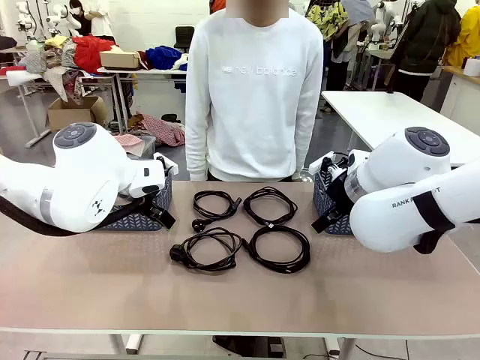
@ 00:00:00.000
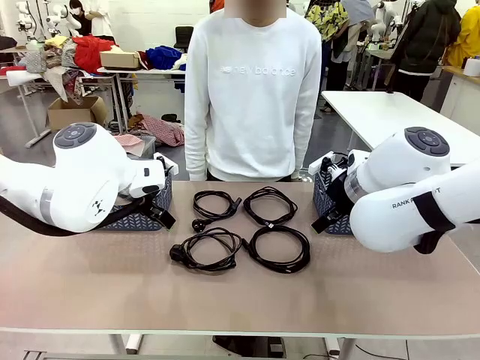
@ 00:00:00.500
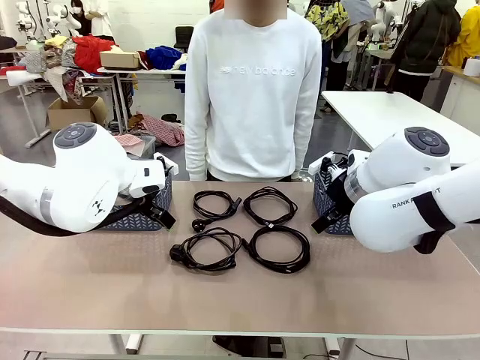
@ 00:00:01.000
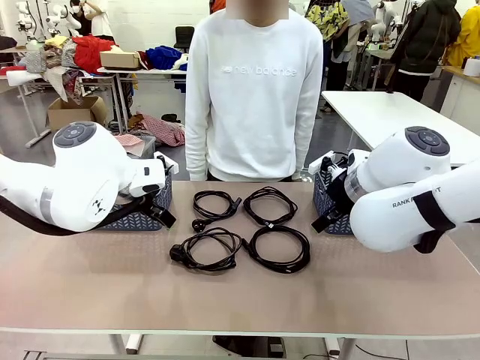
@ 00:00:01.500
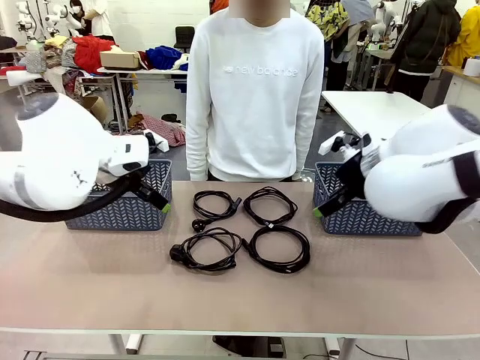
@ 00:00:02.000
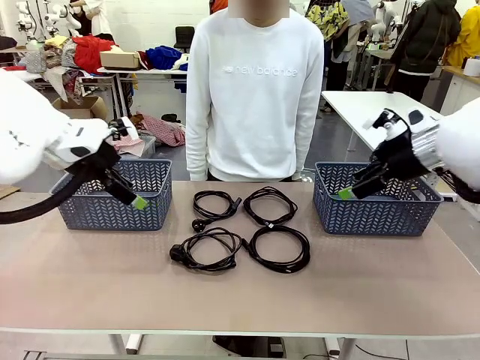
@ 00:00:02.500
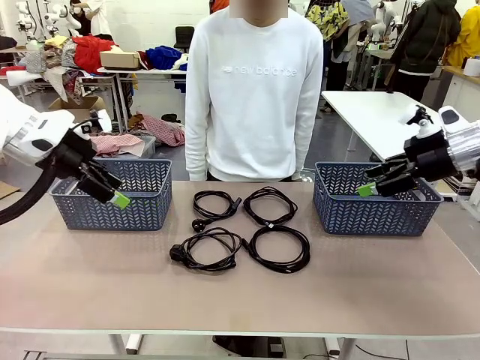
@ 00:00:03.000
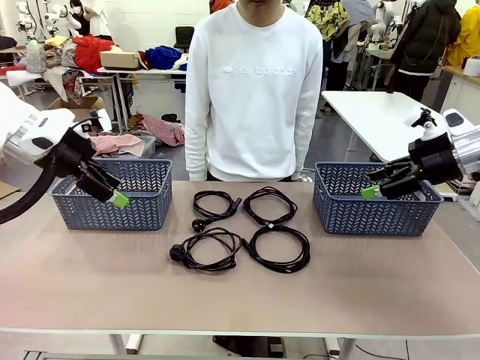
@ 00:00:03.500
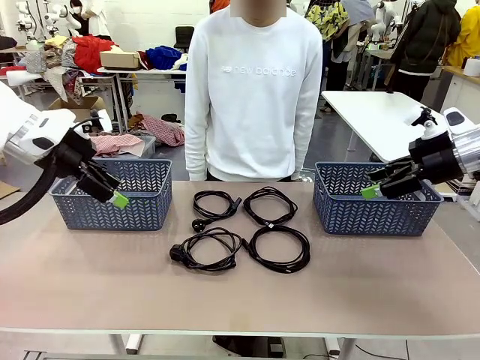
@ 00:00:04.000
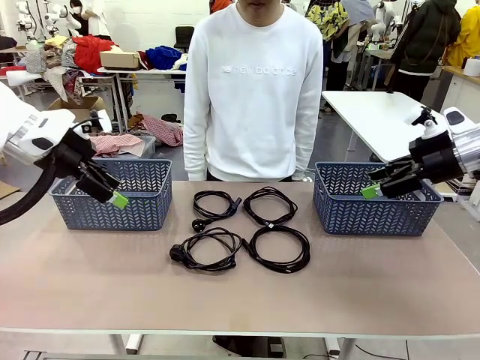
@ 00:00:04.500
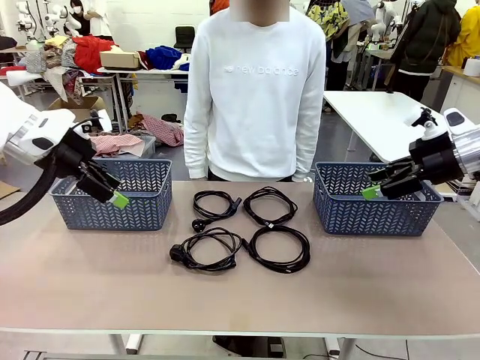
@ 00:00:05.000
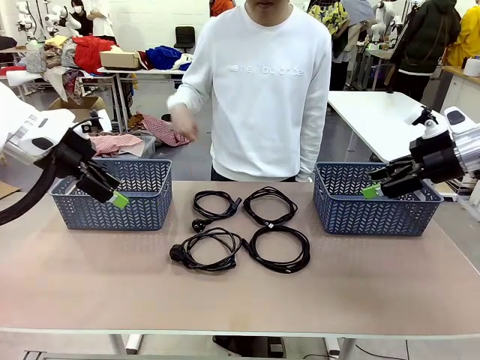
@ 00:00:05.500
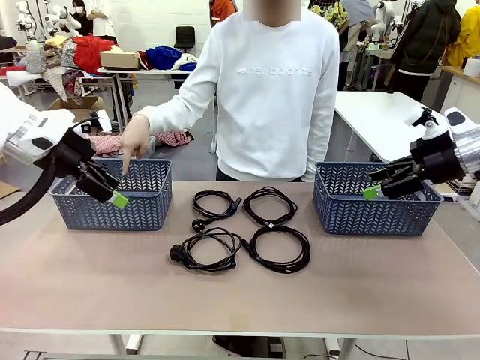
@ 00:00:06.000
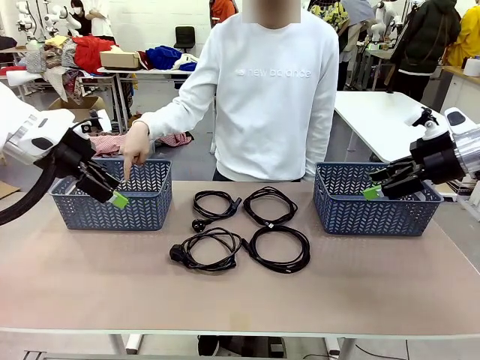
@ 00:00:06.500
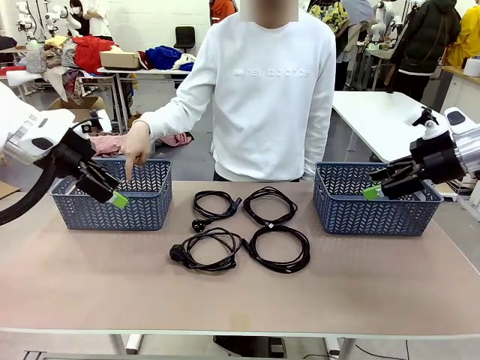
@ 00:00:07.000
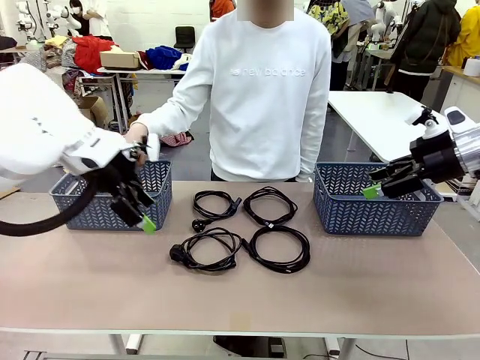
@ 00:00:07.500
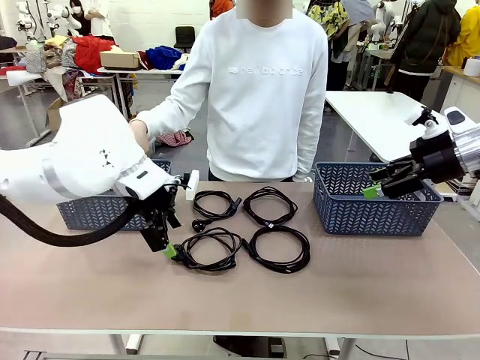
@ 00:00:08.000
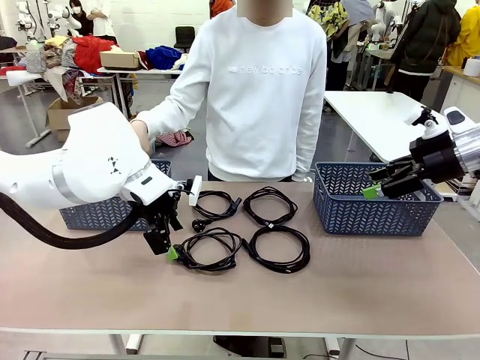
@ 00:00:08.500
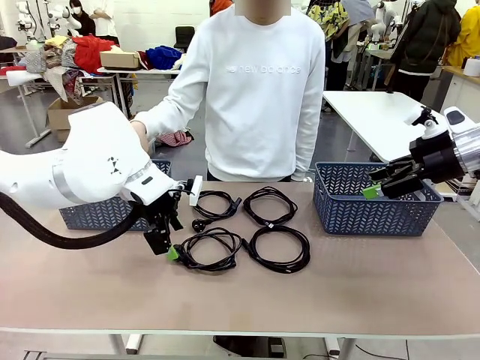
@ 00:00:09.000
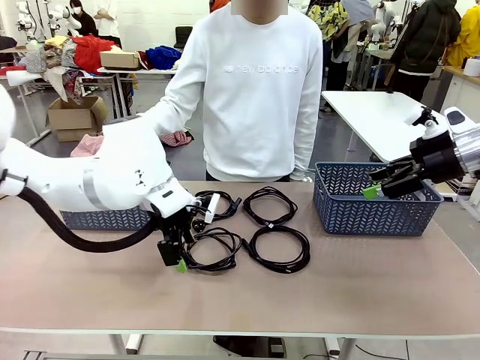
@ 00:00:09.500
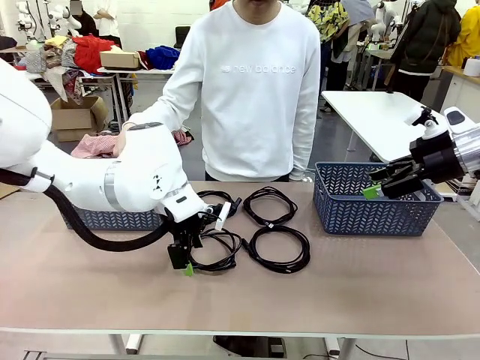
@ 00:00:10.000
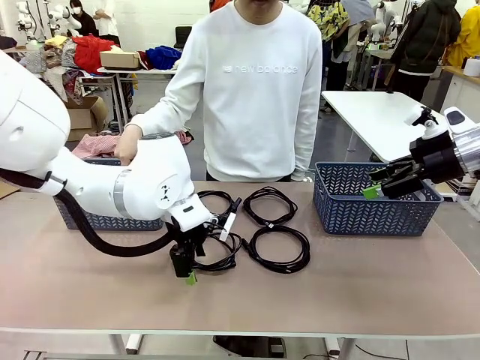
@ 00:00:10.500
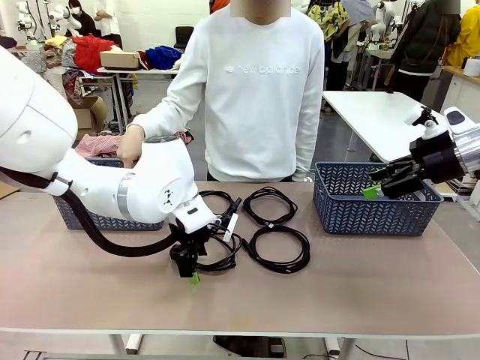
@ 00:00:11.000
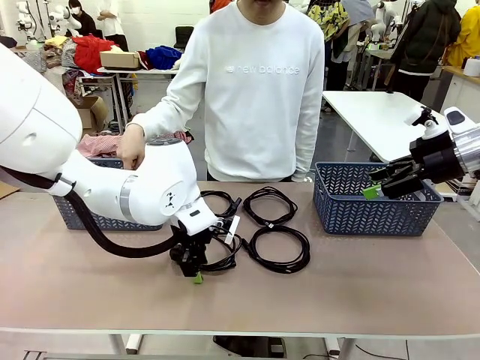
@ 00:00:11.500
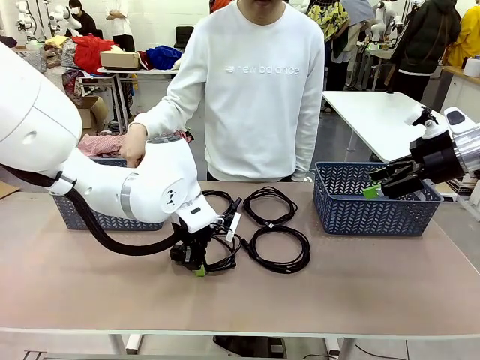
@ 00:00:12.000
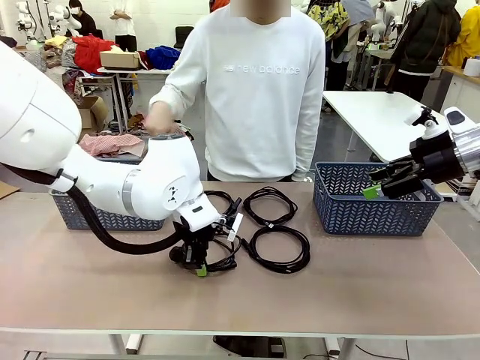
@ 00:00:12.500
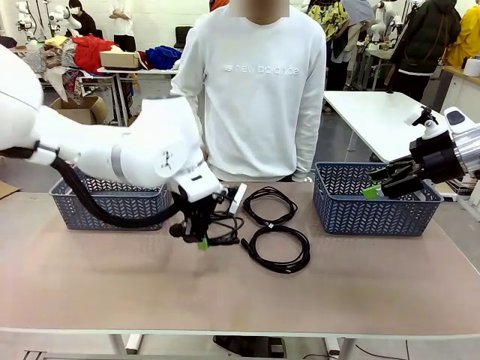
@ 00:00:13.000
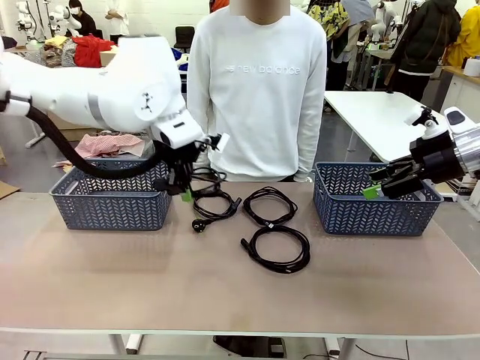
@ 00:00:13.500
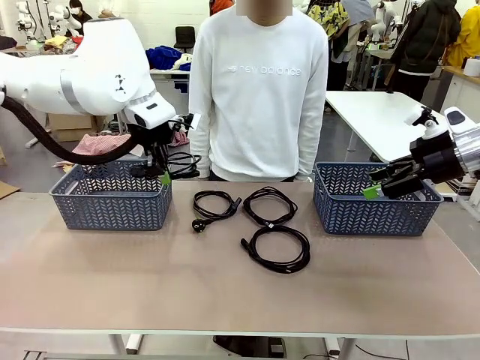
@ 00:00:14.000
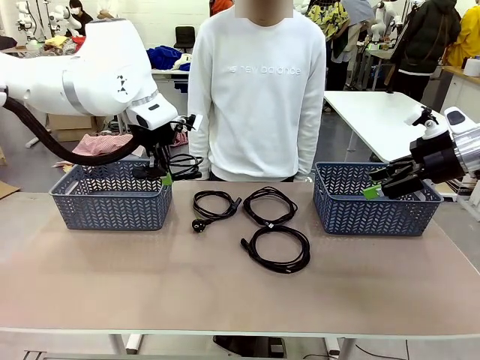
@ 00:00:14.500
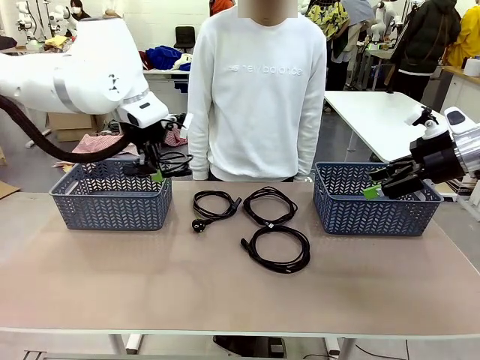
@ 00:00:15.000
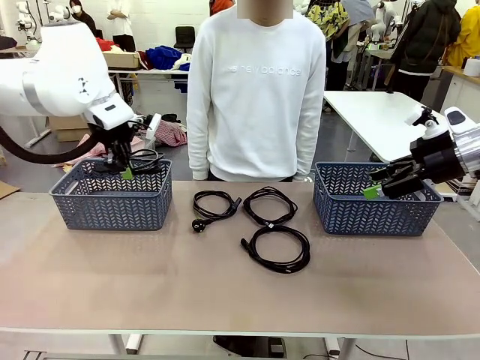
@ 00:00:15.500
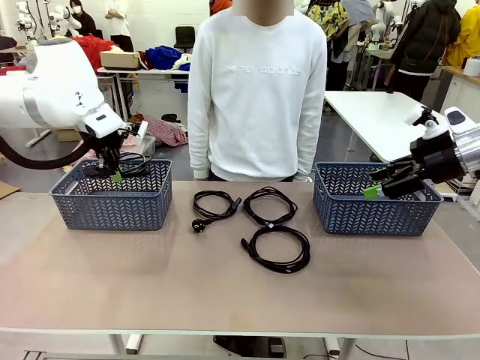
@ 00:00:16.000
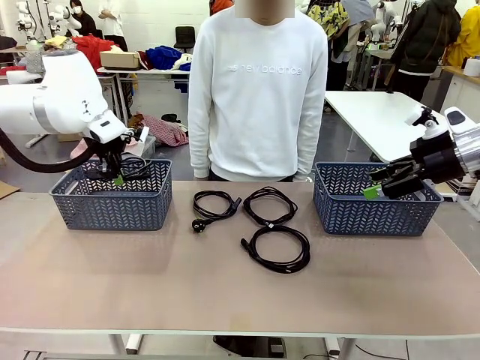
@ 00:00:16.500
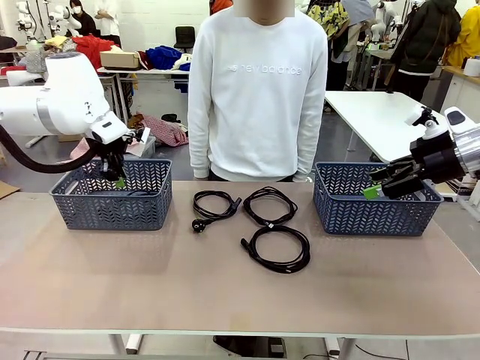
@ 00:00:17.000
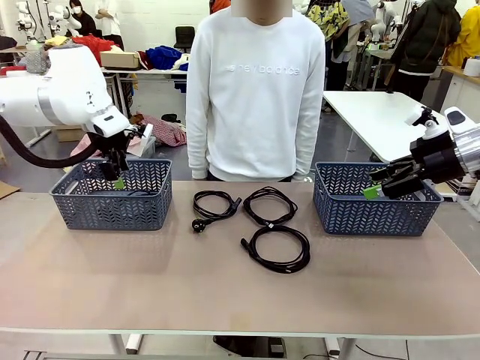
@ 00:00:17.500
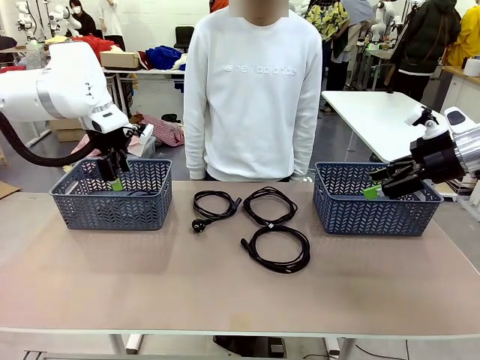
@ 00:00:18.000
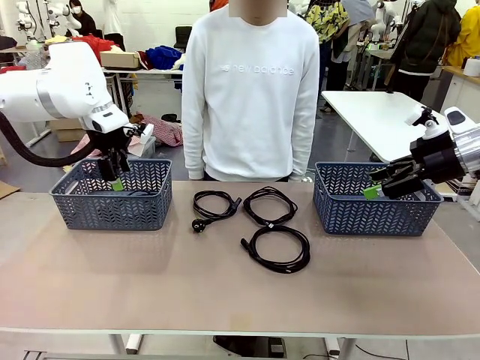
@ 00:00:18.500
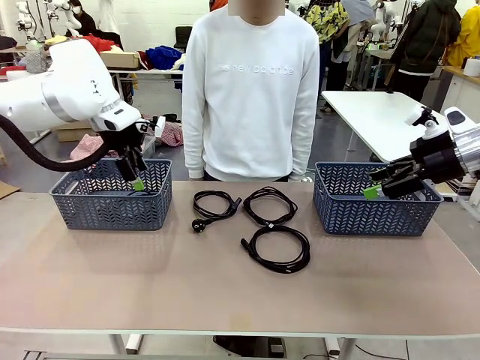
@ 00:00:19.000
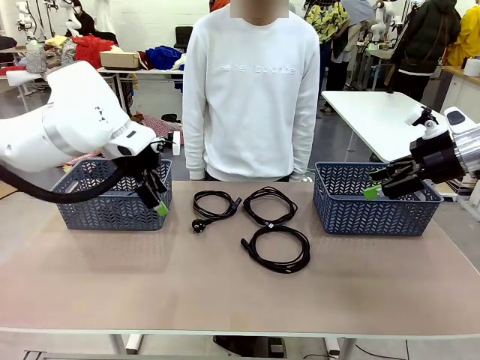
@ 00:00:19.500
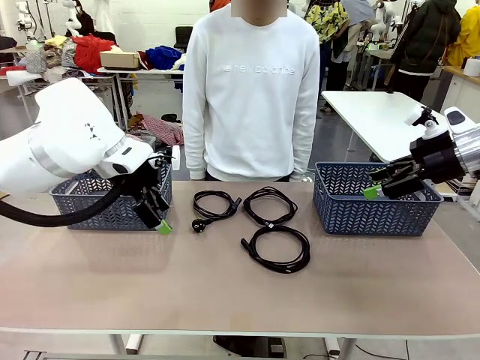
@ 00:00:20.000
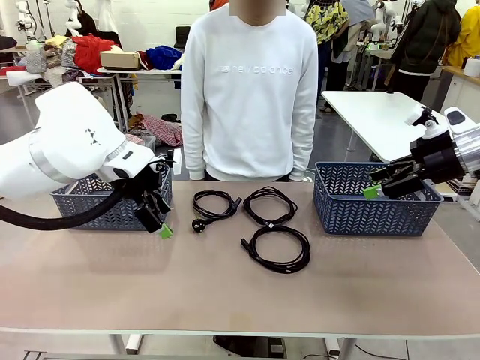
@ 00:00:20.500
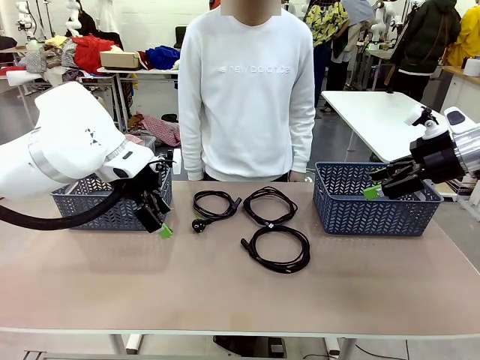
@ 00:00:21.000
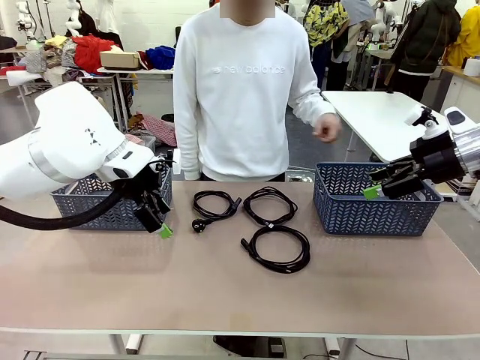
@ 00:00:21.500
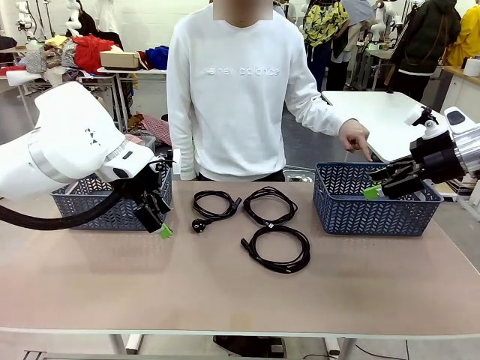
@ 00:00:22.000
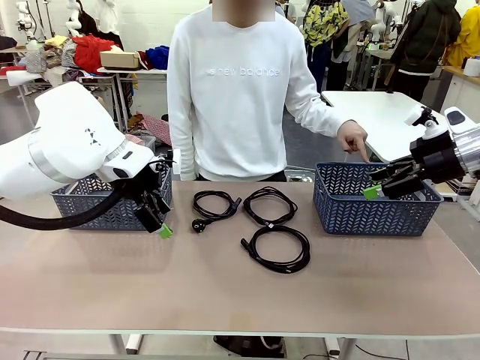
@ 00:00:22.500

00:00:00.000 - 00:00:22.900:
Task: Organize the cables according to human instructions.
Robot: Pick up a bundle of cables and place it in the basket indicated by the human.
